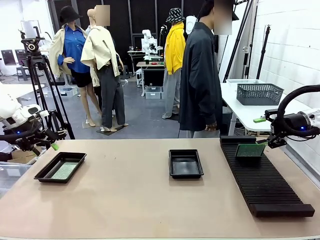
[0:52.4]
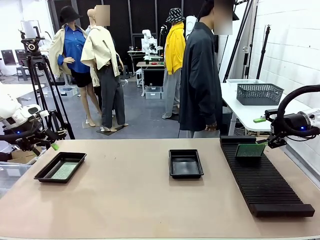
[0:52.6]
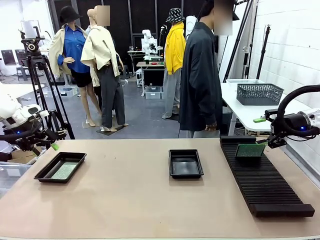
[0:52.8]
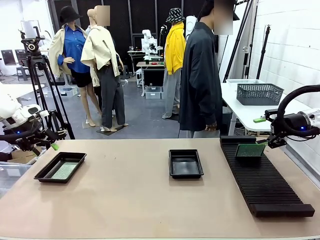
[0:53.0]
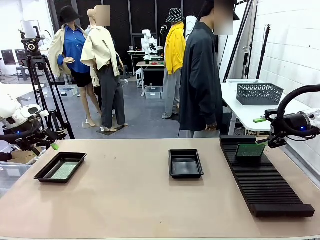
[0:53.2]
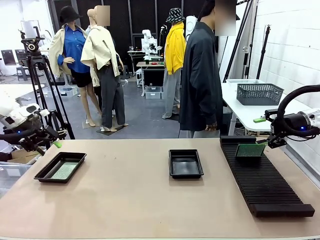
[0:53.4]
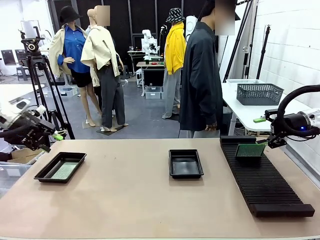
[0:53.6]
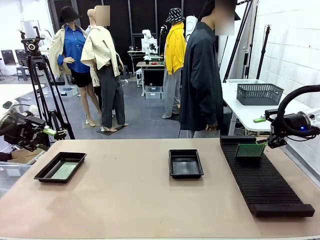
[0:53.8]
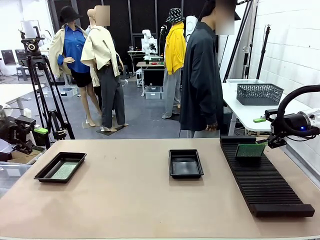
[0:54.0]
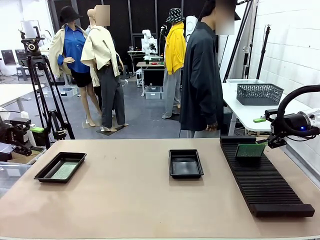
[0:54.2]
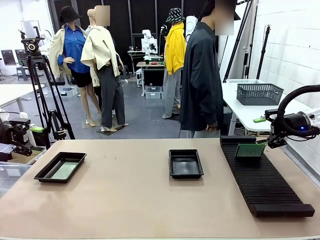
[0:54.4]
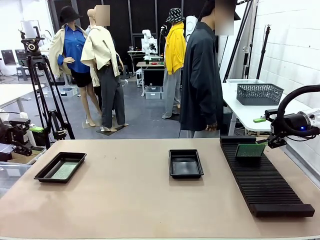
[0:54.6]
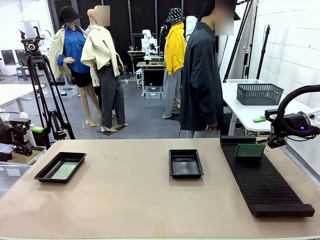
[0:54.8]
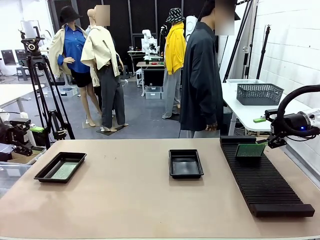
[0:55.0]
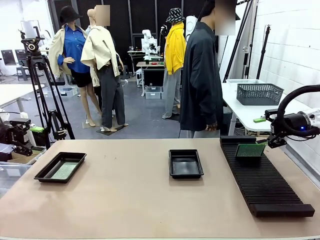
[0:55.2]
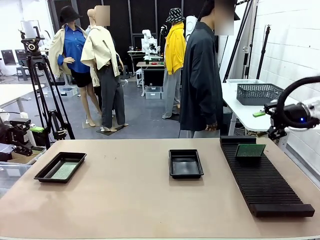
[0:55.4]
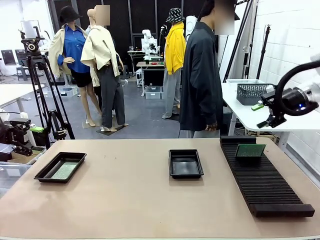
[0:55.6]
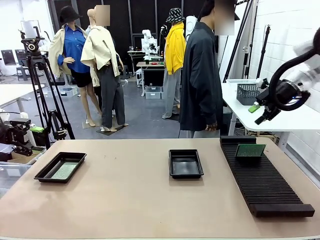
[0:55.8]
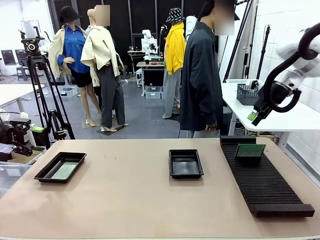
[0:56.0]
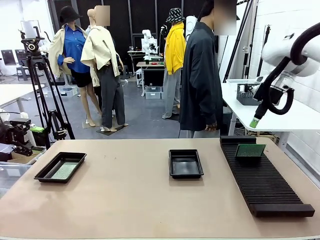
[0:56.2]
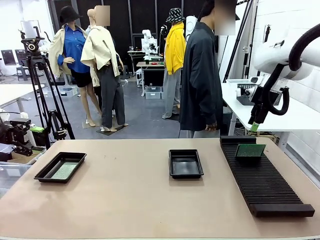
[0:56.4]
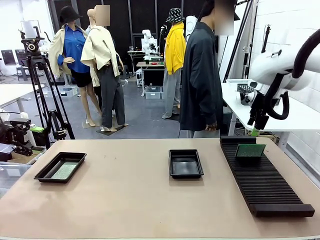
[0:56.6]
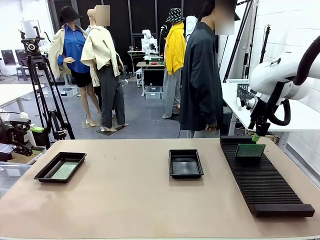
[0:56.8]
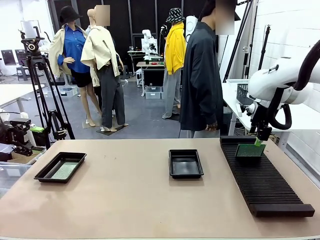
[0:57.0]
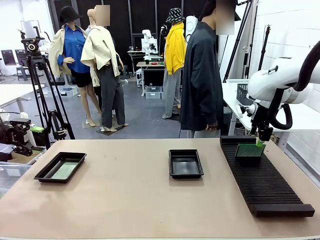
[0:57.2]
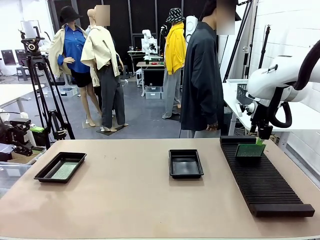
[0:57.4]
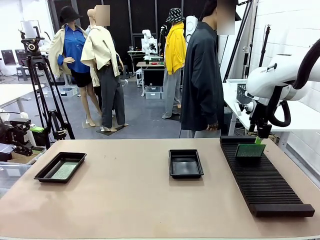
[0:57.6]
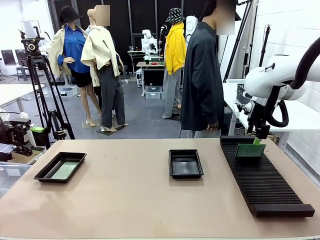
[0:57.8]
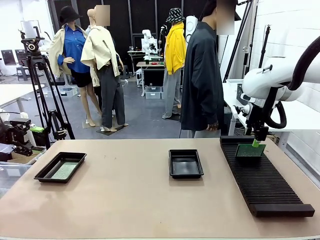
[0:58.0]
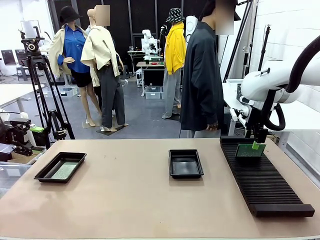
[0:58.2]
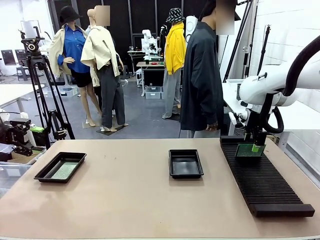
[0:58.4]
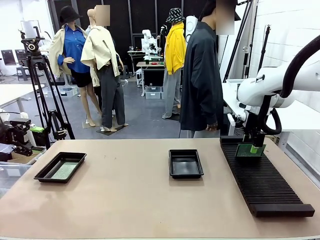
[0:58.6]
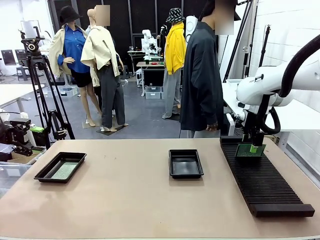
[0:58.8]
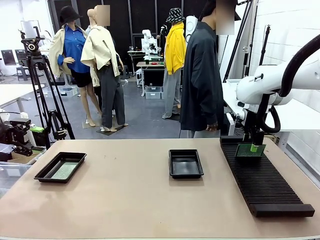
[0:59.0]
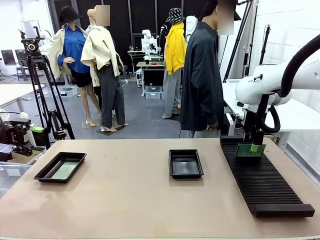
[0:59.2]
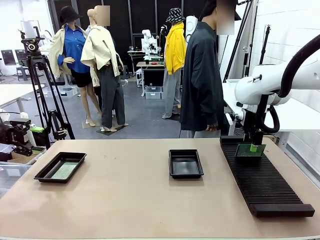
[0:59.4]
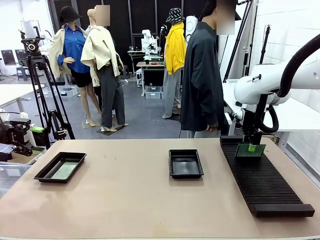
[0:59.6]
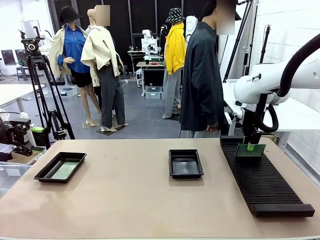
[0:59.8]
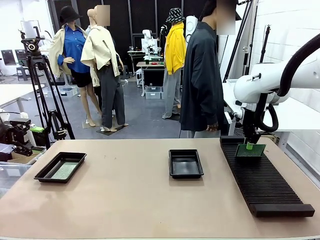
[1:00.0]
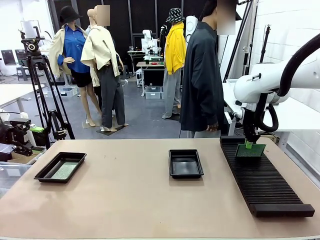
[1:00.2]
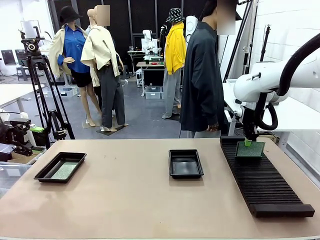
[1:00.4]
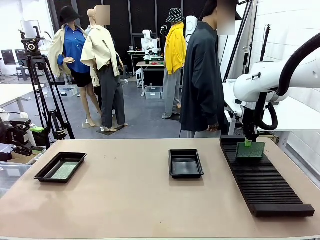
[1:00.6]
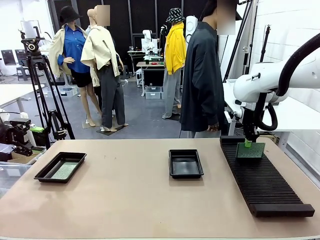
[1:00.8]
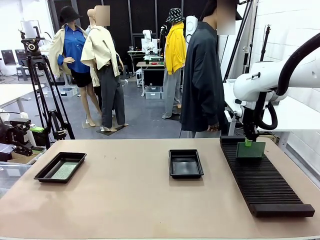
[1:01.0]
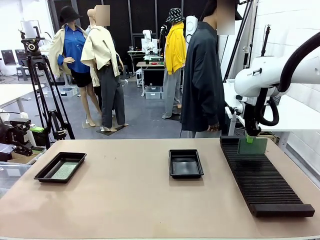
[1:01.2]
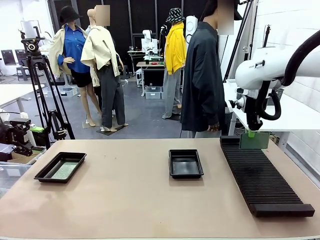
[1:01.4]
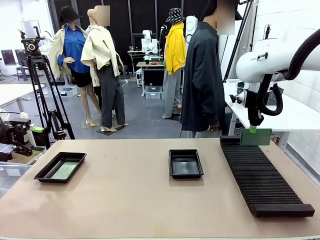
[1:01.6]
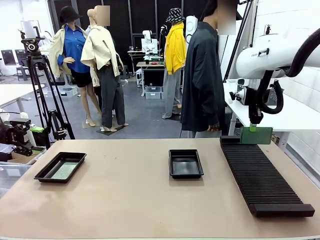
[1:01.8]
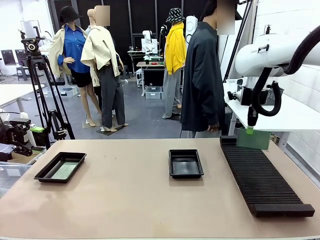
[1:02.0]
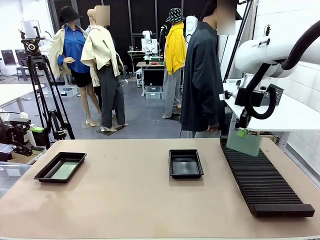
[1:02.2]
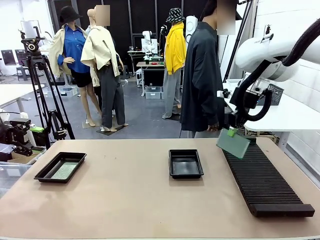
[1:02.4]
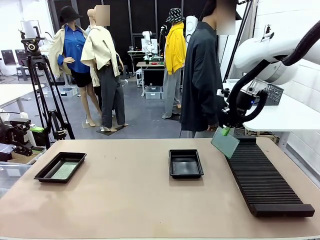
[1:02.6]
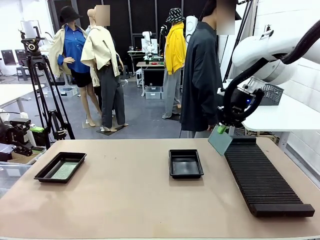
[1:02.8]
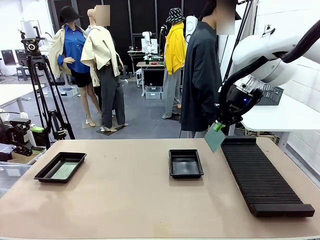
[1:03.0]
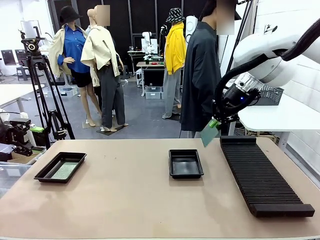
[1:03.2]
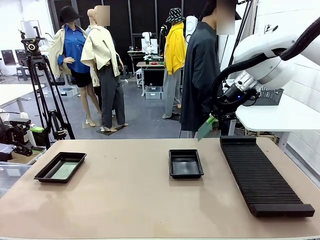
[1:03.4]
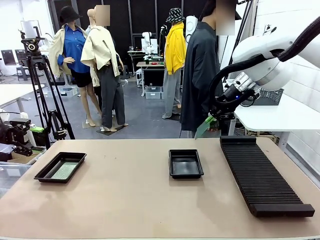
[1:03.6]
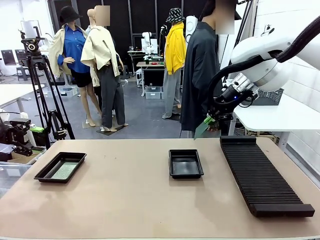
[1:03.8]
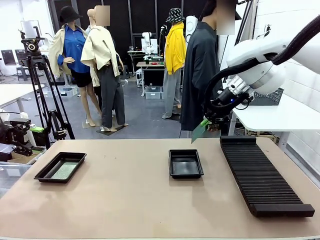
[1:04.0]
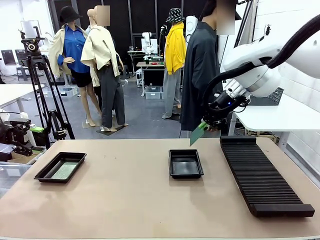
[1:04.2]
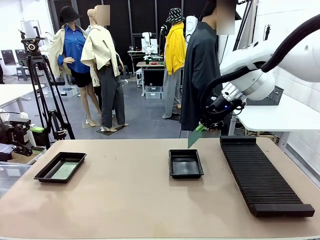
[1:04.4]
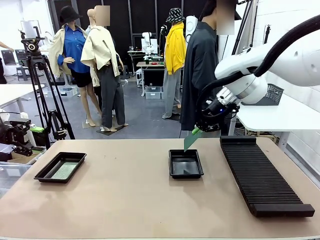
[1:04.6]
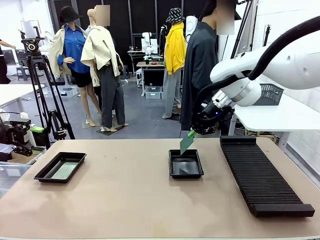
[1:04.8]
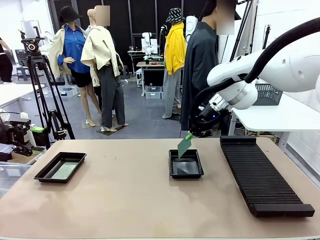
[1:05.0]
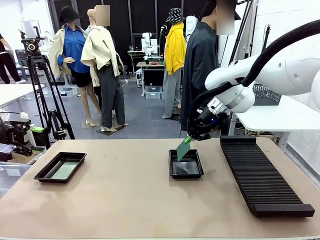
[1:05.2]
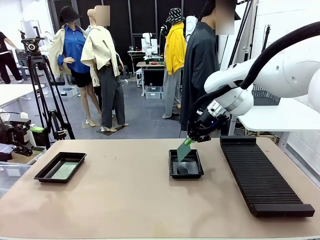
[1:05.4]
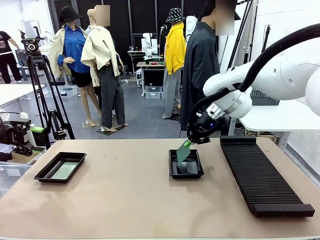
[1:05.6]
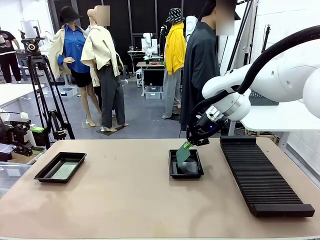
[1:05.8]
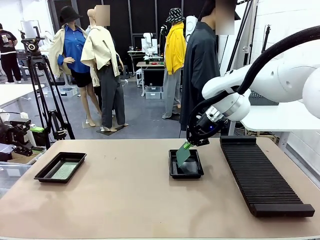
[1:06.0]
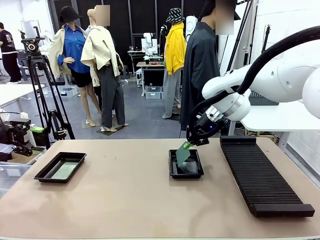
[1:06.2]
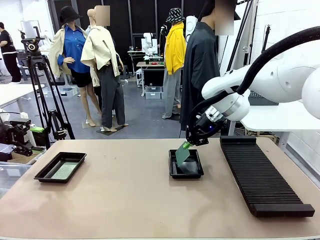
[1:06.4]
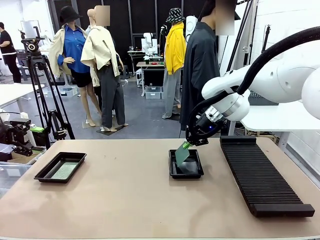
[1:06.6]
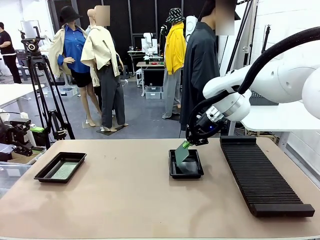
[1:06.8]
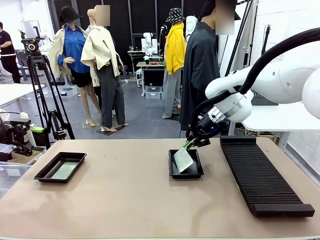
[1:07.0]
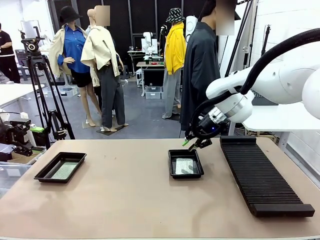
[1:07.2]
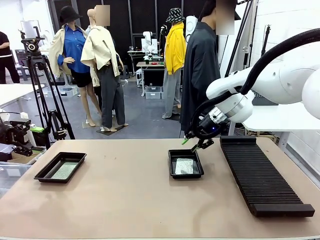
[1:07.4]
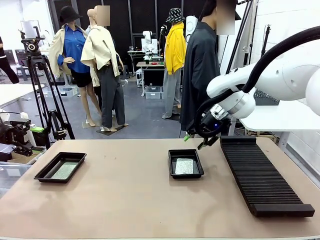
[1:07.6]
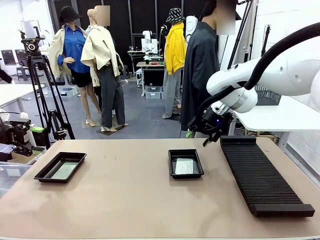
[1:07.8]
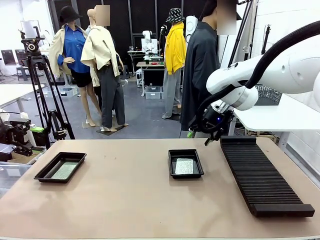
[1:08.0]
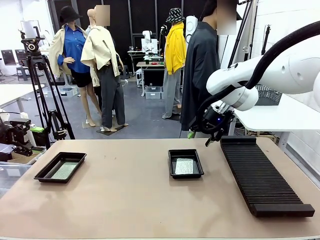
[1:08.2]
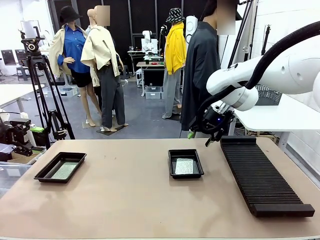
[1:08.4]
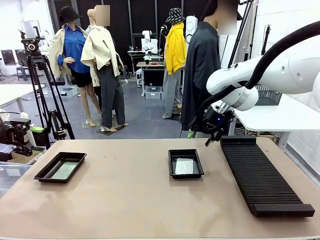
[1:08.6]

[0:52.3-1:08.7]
Task: Inspect and transfer BCBs to ESD trays.
Robot: Pick up the Blank PCB from the PCB Rack and place it in the right ESD tray.

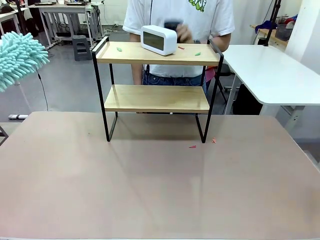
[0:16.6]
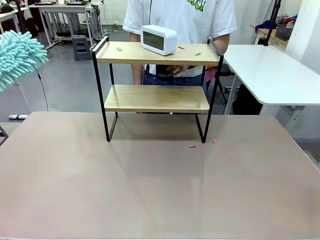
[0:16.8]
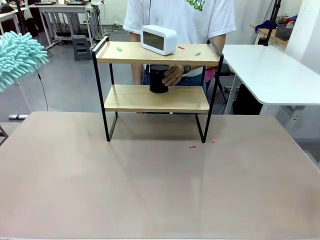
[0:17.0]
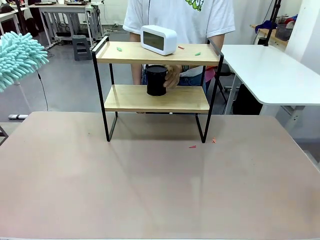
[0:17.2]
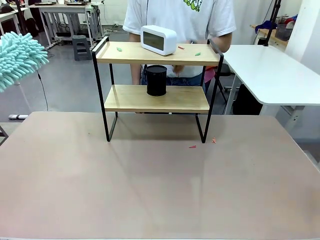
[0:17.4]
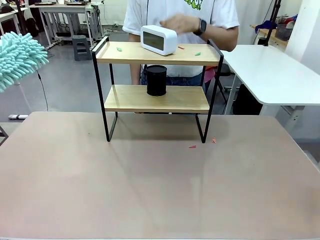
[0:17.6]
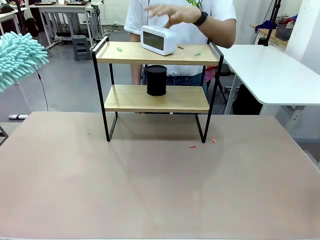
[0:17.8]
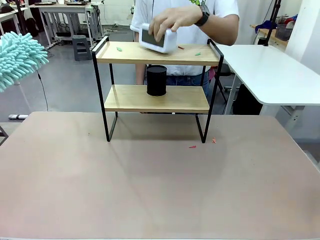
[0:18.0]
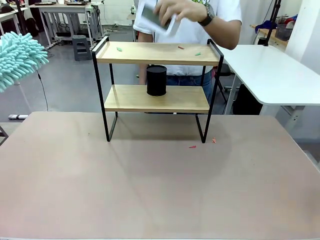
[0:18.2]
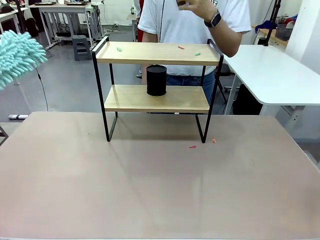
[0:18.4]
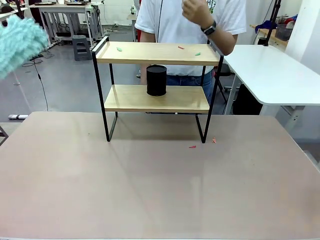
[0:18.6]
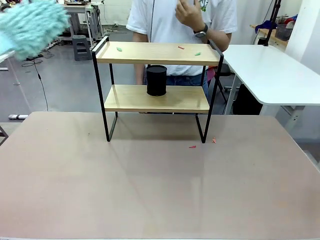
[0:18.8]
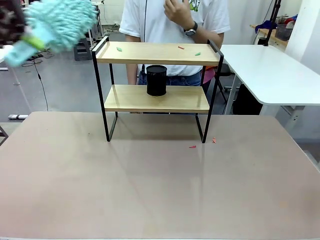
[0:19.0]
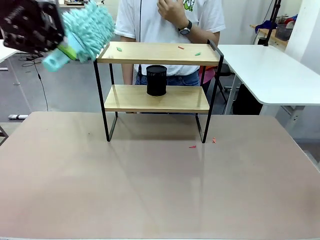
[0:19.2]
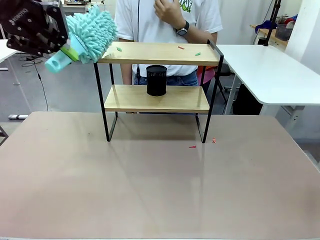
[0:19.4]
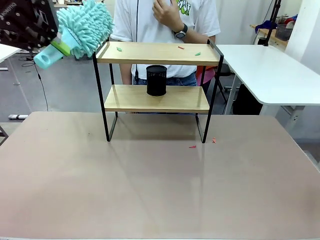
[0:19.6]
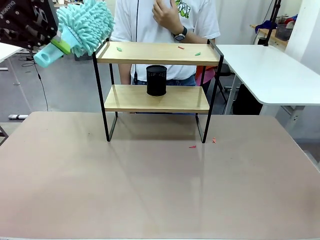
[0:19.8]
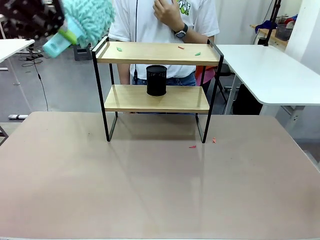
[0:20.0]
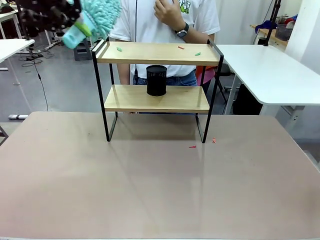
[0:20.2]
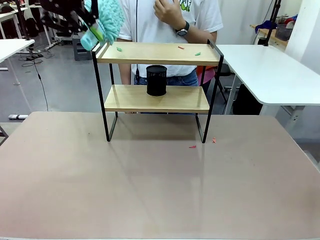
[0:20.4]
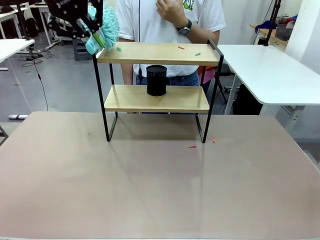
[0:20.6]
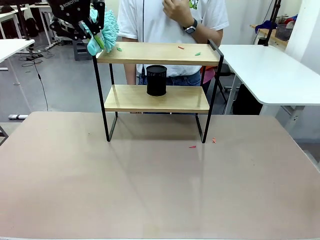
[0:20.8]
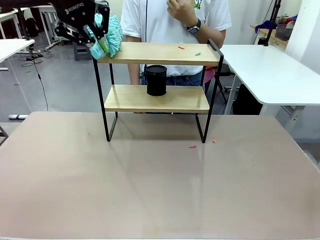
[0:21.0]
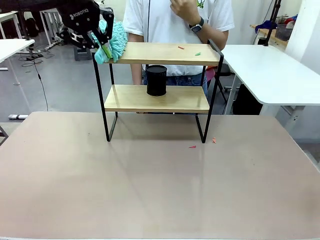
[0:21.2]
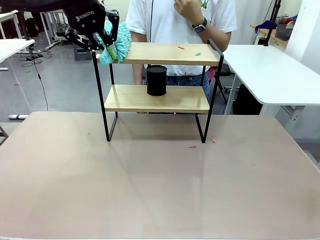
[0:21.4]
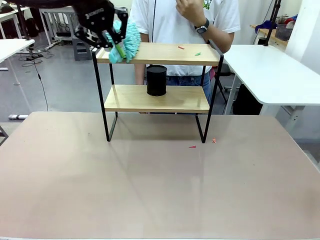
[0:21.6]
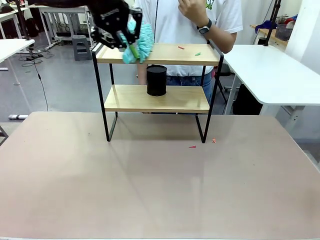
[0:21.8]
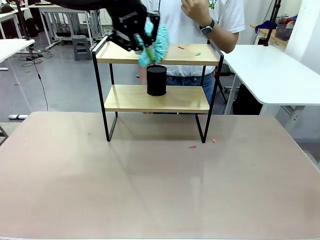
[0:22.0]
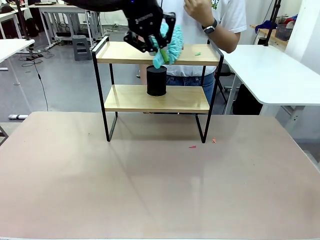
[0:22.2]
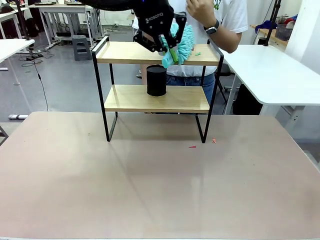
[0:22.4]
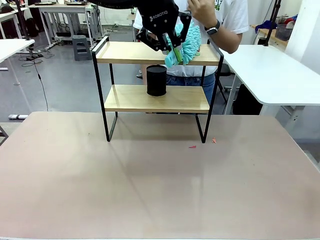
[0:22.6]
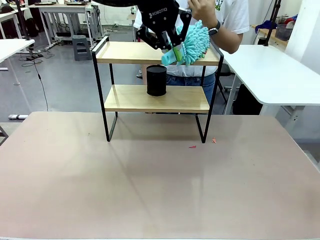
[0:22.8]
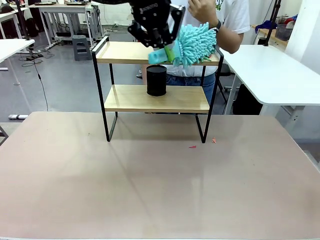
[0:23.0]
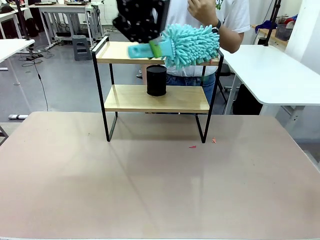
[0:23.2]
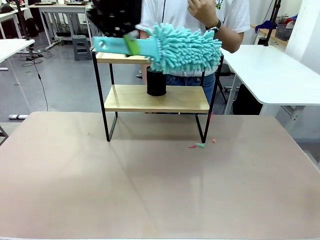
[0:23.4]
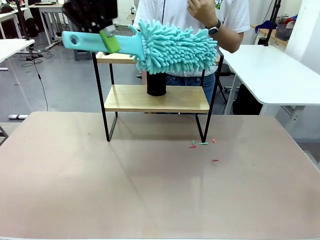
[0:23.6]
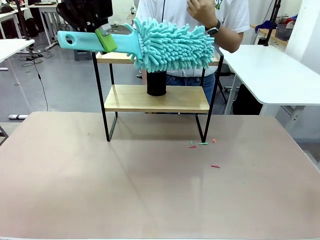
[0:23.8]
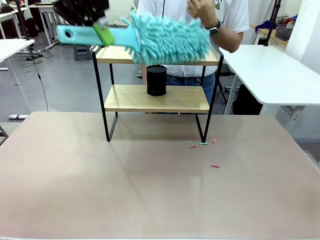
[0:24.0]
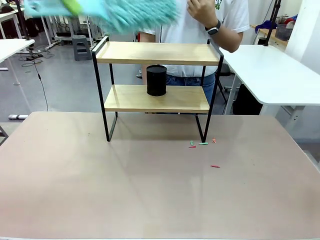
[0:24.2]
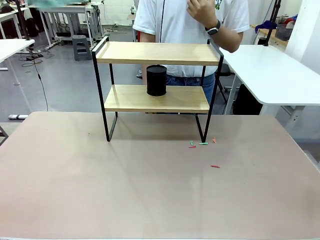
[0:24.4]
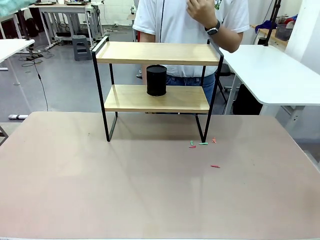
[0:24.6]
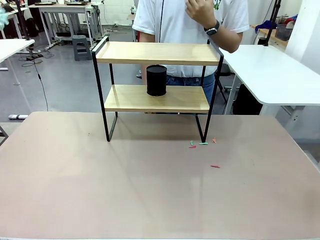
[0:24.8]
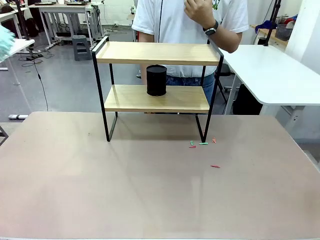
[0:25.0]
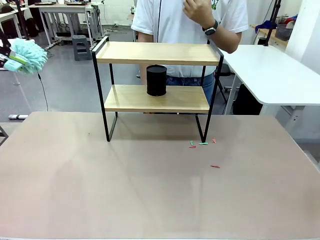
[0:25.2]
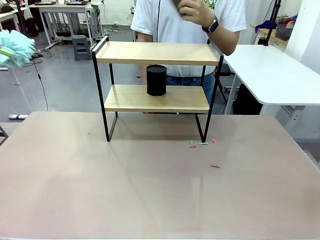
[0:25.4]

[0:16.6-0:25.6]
Task: Clean the shelf.
Robot: Clean the remaining tier of the Shelf with the Duster once objects are removed.
